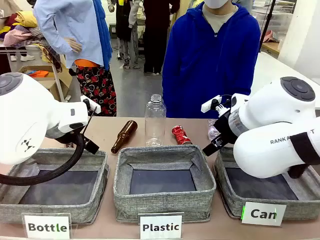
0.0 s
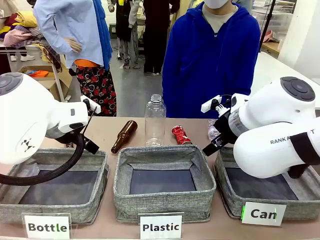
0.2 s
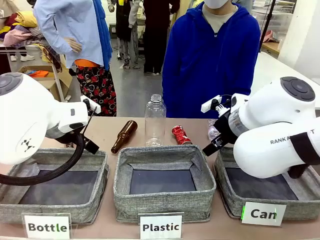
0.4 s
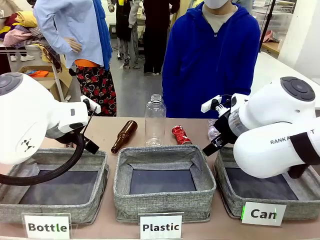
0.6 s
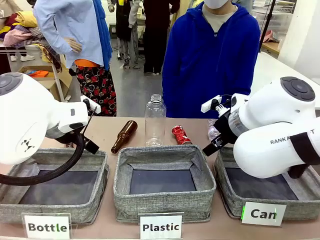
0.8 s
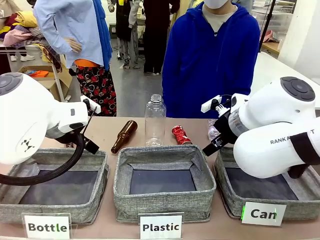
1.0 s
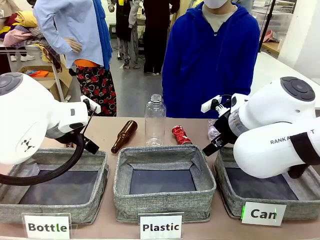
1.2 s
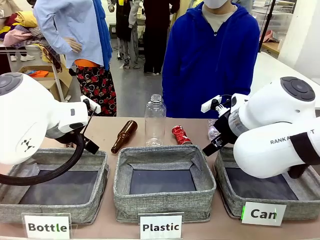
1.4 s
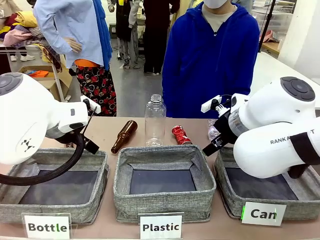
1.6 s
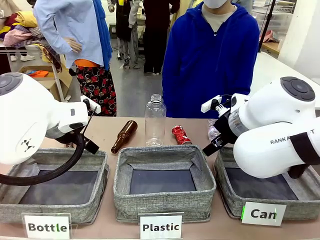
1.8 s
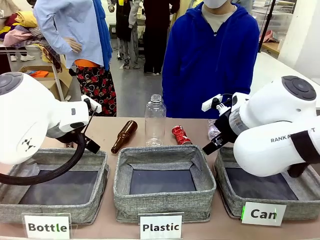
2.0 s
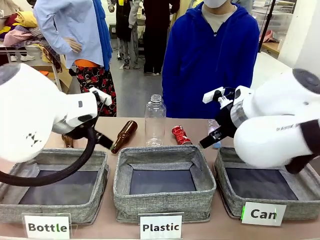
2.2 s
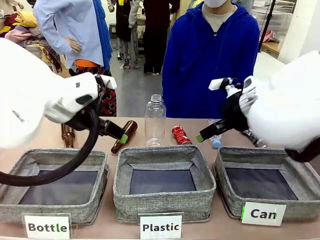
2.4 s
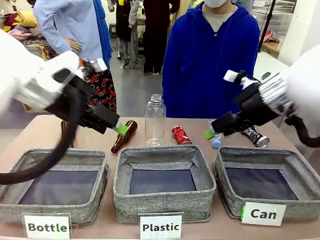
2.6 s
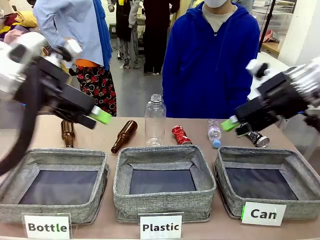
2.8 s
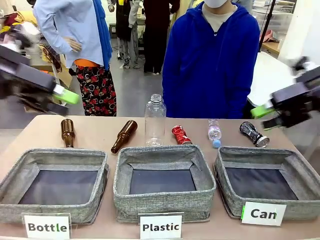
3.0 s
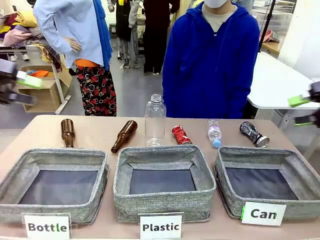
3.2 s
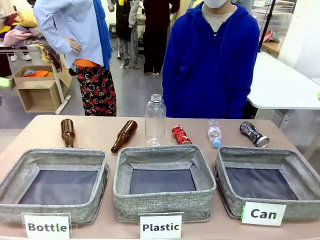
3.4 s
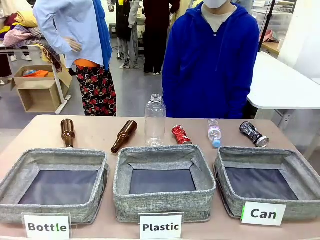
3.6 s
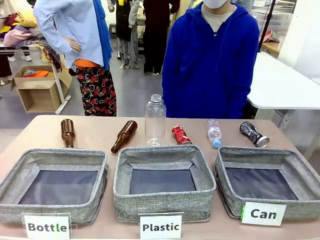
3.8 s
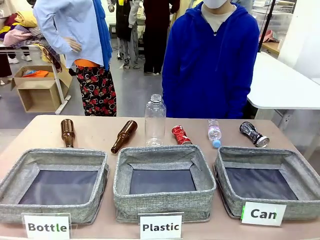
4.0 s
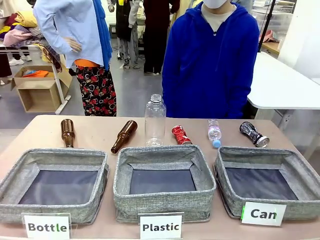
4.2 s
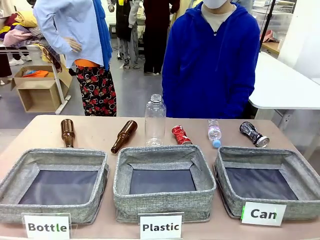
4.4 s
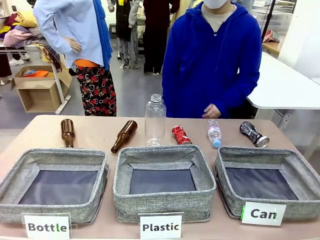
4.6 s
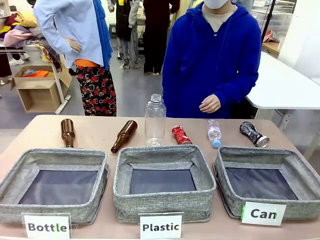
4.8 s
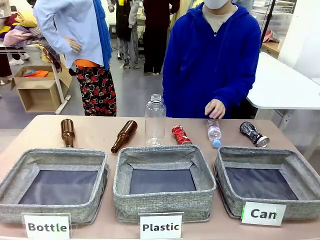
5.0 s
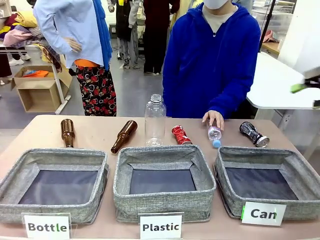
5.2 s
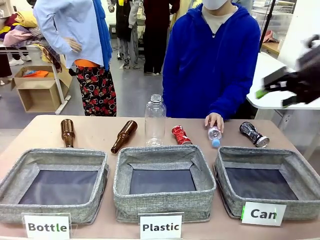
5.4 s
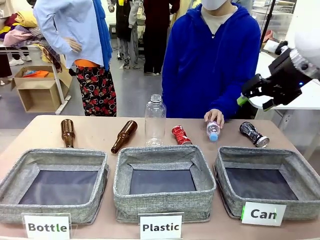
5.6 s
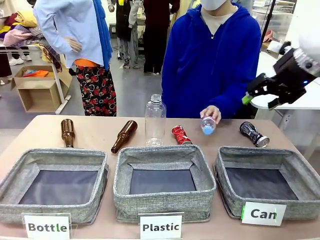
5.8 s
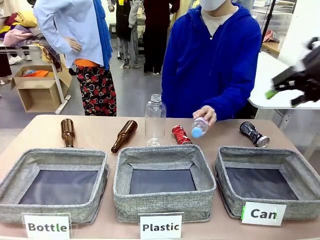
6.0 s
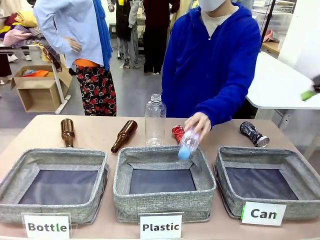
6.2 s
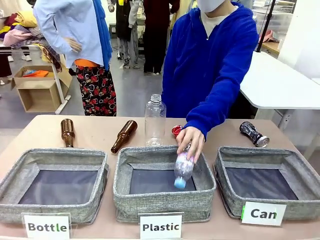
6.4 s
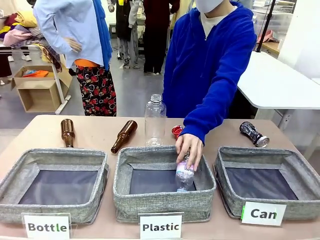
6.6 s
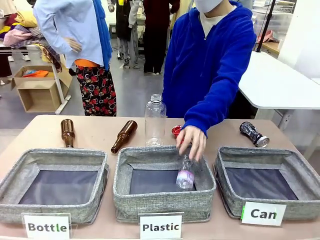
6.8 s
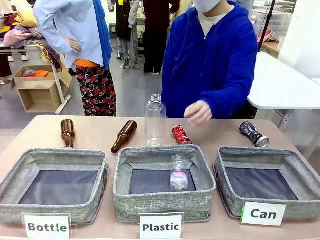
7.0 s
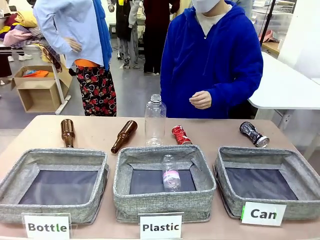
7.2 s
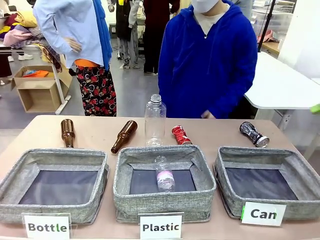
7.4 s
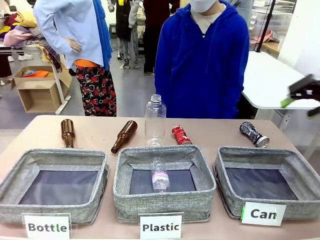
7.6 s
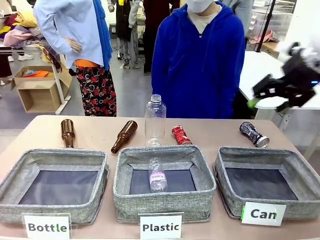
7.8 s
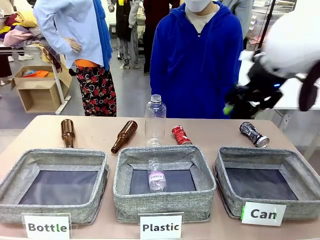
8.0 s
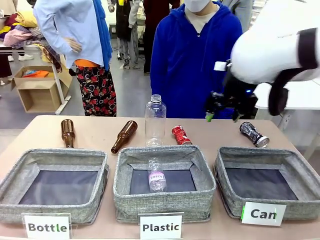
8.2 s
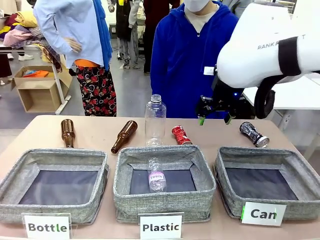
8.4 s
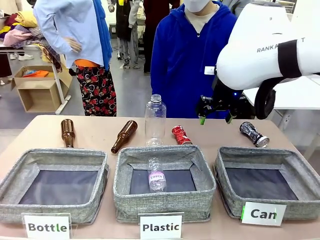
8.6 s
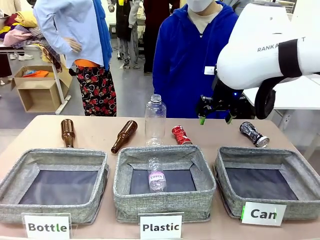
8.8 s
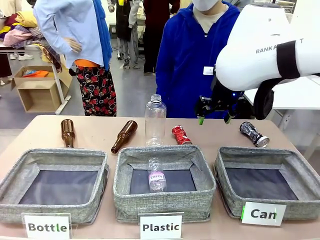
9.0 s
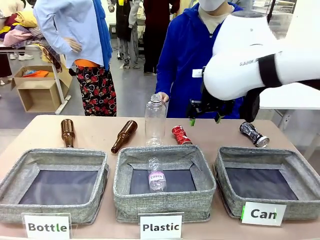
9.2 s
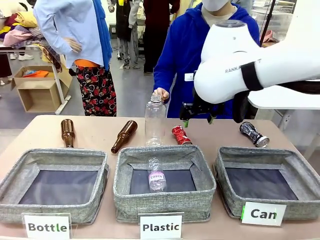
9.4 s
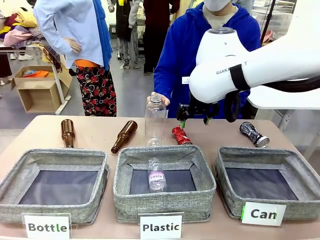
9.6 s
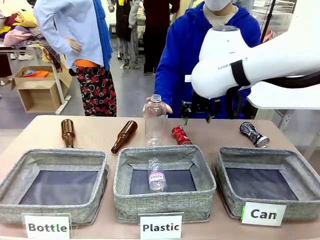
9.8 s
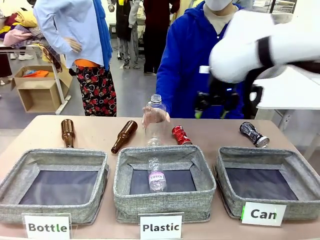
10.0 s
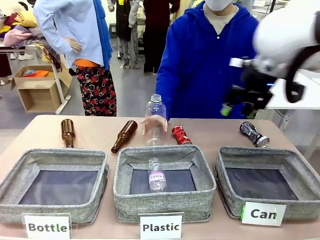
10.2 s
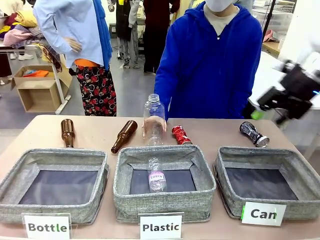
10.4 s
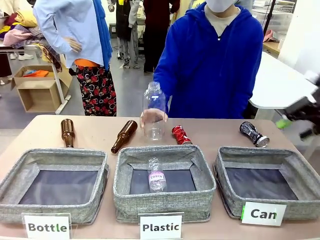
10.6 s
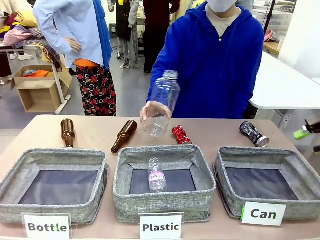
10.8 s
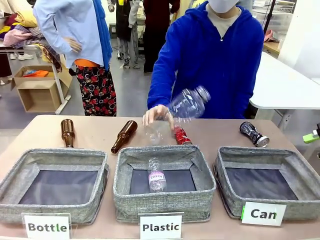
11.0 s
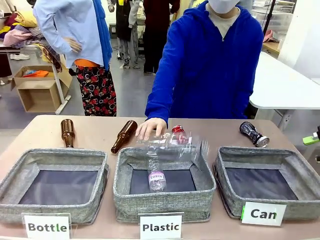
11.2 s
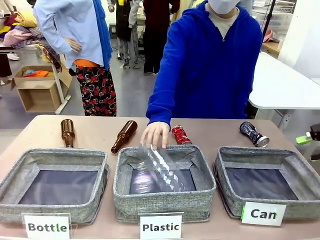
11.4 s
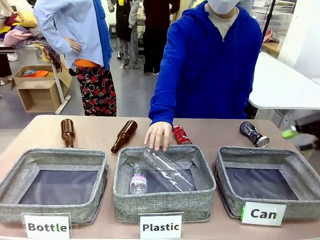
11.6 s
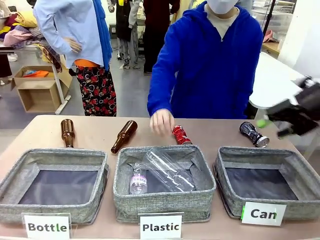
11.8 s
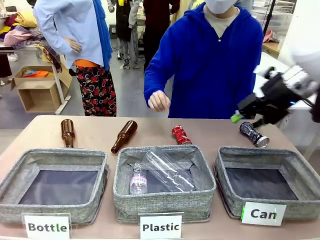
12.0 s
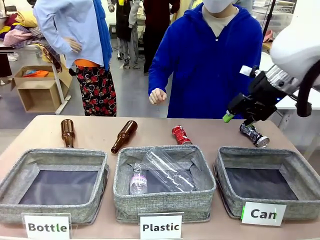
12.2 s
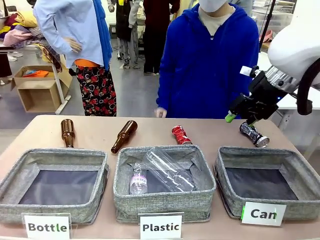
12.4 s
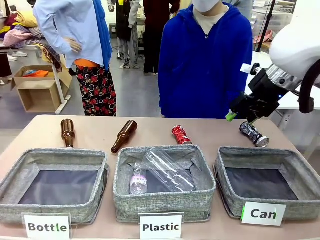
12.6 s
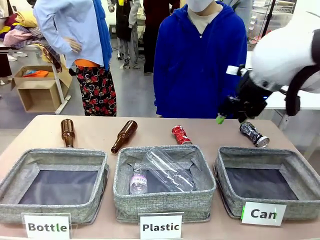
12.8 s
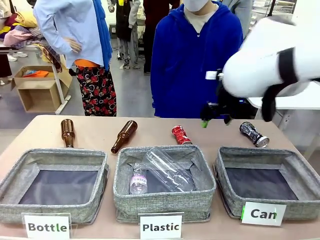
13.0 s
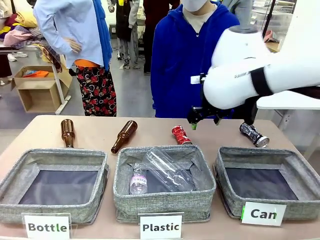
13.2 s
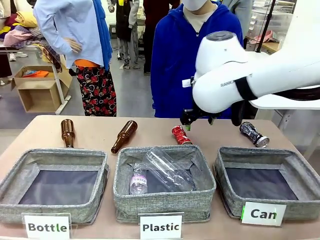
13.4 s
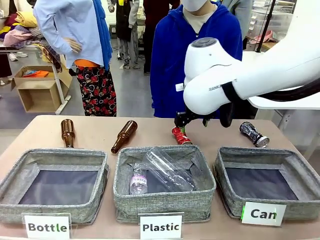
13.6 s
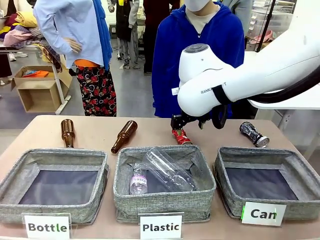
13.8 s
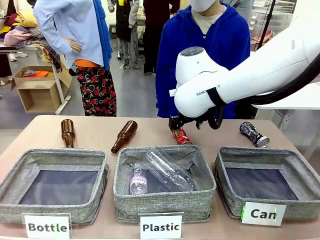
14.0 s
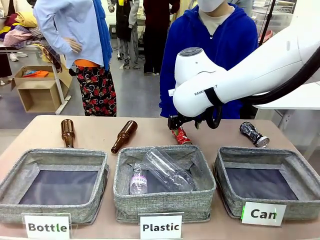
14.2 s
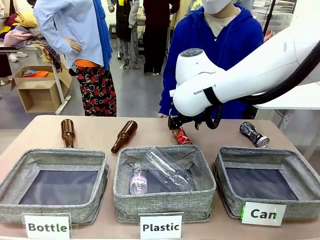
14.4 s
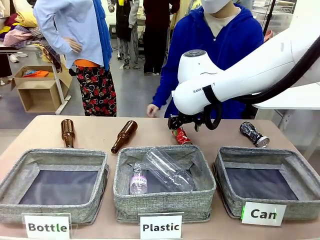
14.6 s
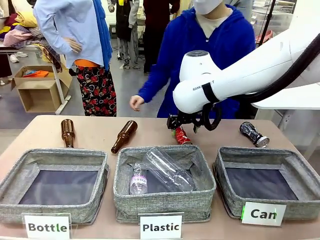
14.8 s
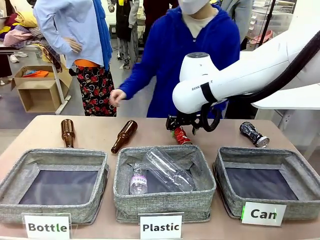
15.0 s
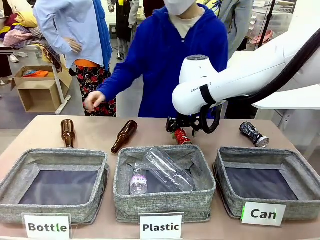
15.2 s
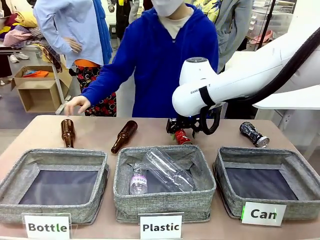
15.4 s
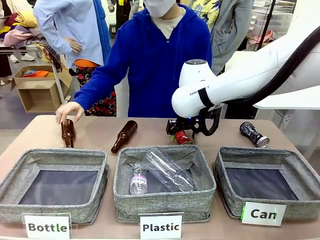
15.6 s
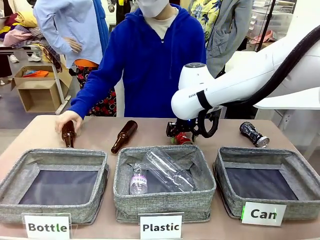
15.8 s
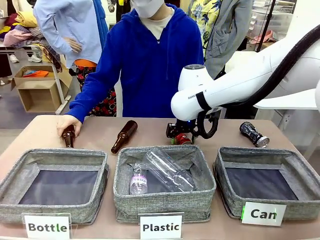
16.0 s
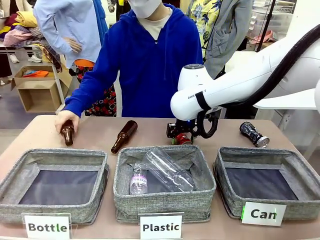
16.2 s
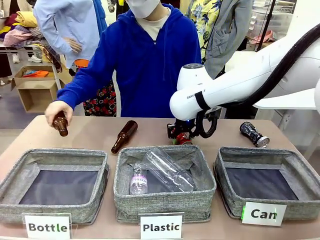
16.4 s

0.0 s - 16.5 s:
Task: Sort the can waste into the basket.
Robot: Pick up the can waste from the table and place it in the right Fabric basket.
